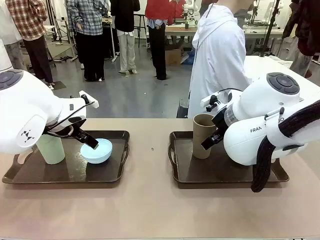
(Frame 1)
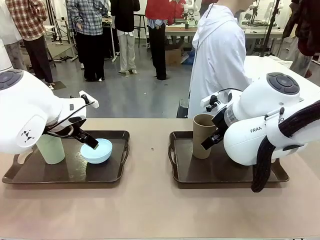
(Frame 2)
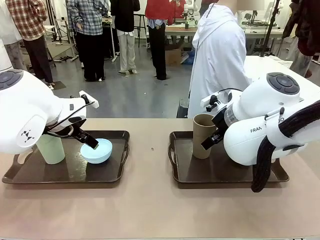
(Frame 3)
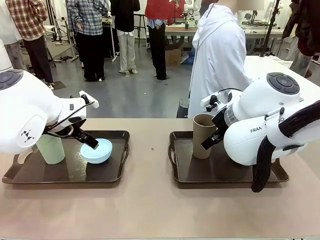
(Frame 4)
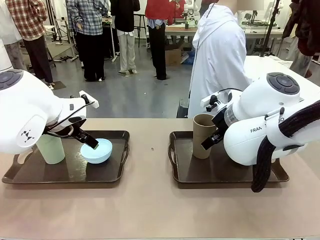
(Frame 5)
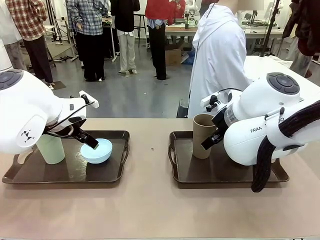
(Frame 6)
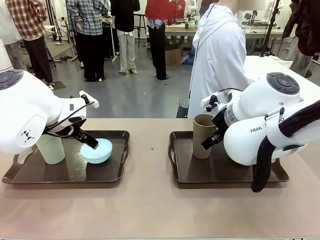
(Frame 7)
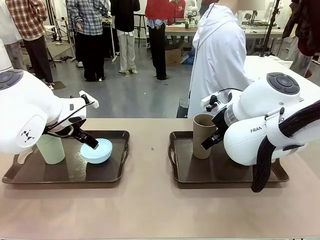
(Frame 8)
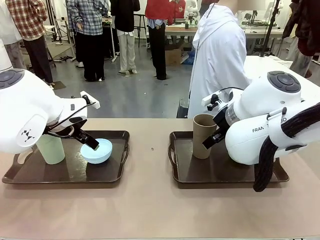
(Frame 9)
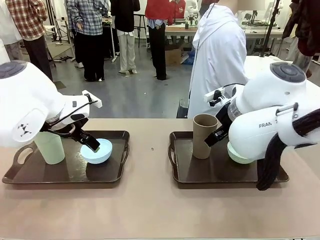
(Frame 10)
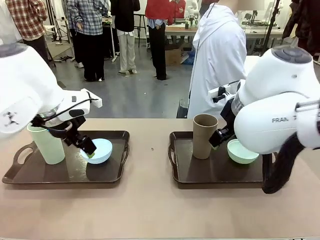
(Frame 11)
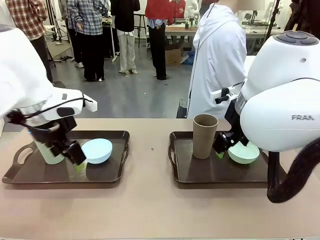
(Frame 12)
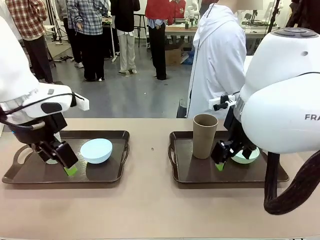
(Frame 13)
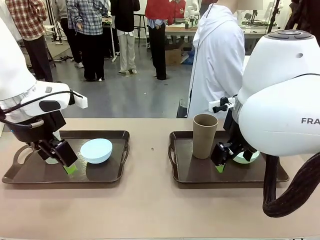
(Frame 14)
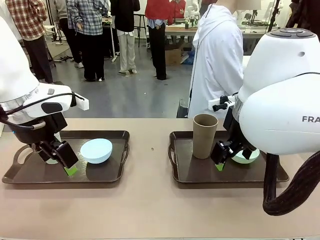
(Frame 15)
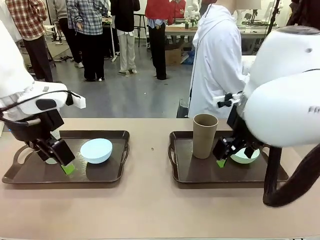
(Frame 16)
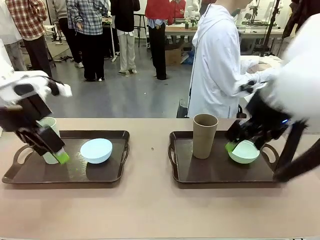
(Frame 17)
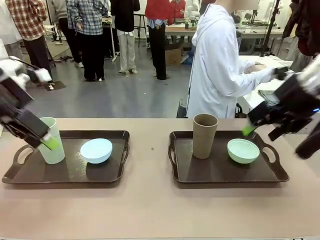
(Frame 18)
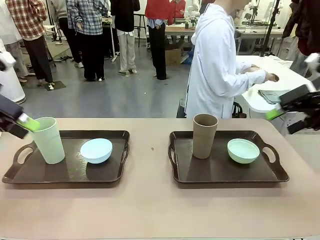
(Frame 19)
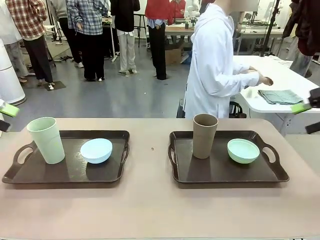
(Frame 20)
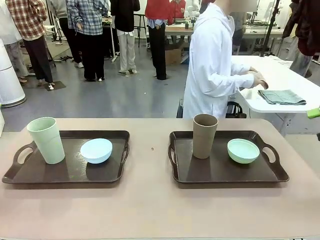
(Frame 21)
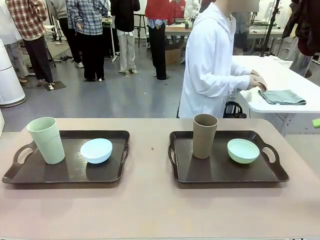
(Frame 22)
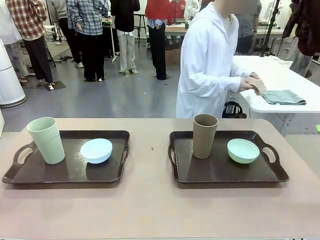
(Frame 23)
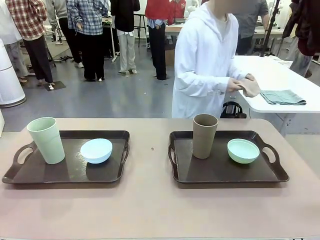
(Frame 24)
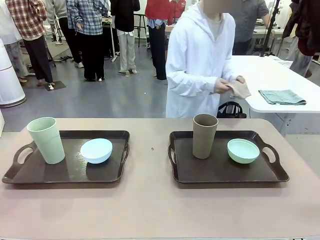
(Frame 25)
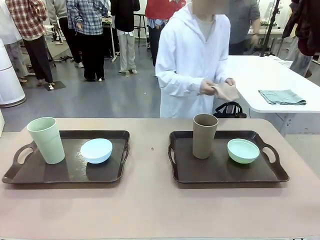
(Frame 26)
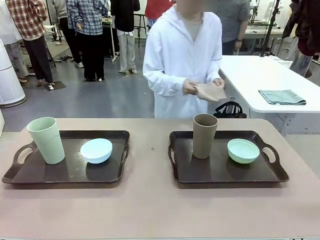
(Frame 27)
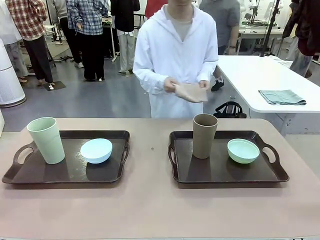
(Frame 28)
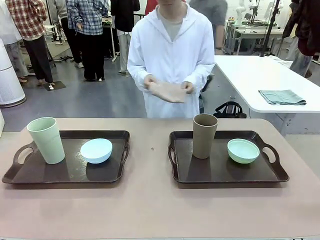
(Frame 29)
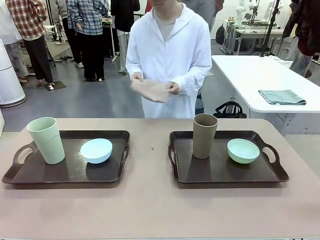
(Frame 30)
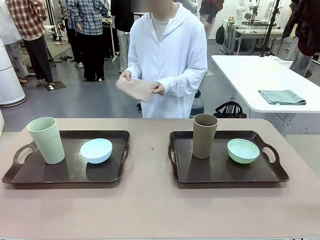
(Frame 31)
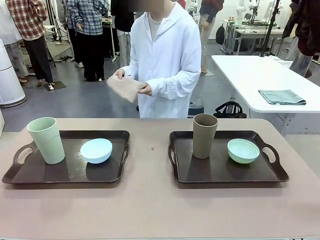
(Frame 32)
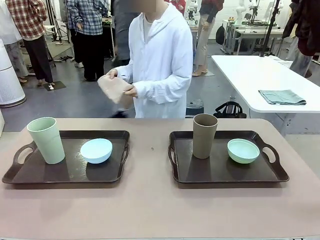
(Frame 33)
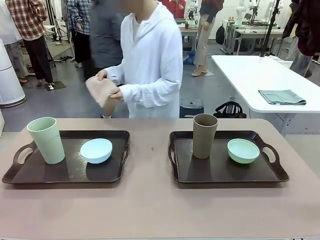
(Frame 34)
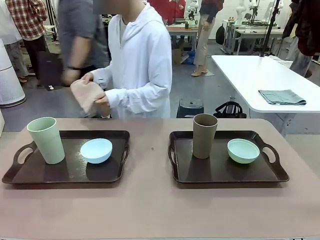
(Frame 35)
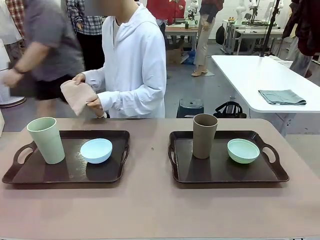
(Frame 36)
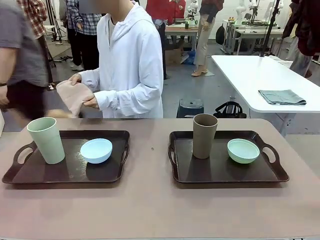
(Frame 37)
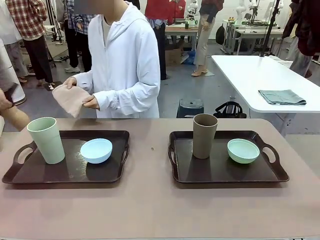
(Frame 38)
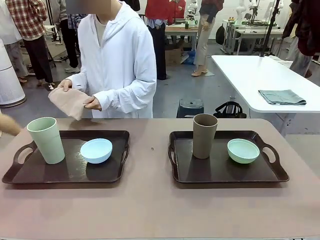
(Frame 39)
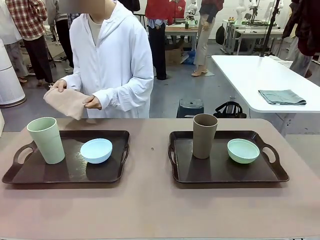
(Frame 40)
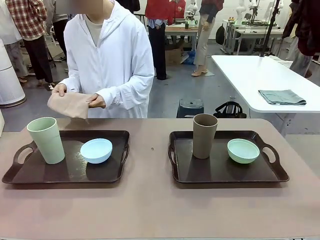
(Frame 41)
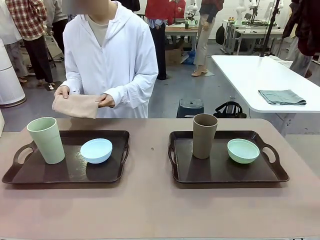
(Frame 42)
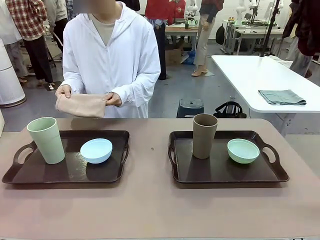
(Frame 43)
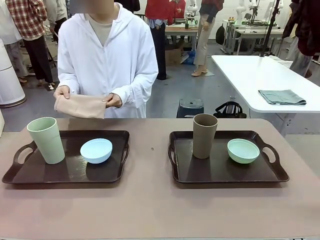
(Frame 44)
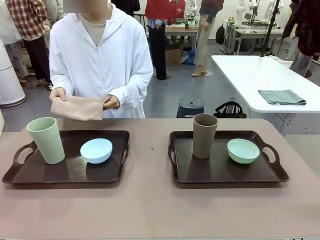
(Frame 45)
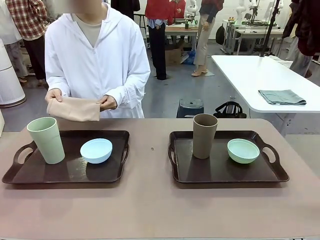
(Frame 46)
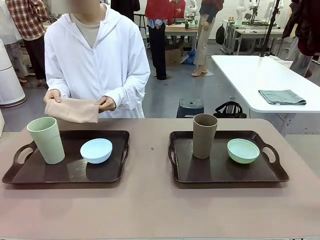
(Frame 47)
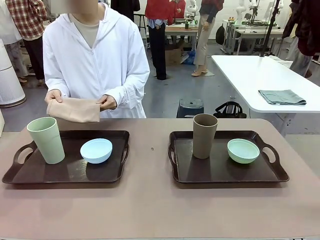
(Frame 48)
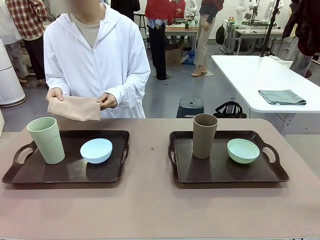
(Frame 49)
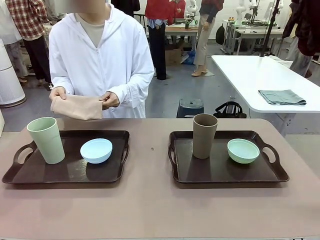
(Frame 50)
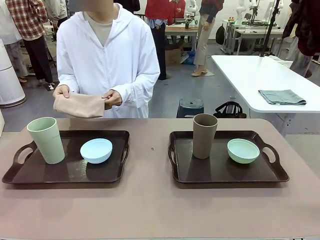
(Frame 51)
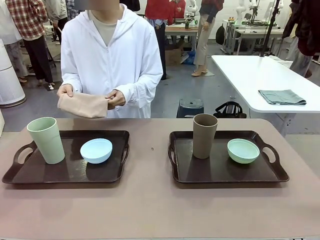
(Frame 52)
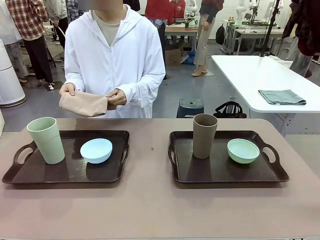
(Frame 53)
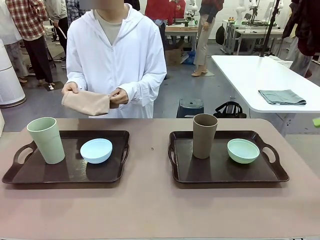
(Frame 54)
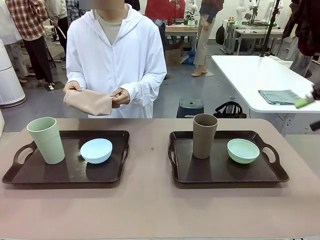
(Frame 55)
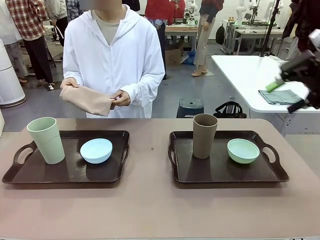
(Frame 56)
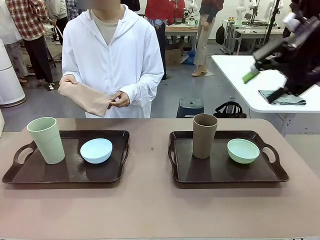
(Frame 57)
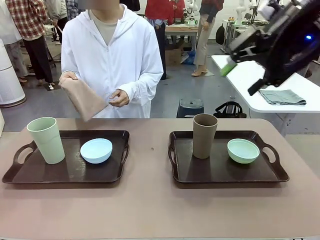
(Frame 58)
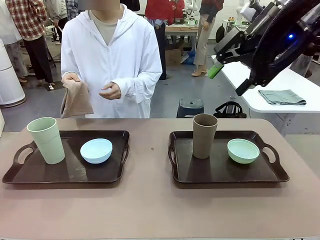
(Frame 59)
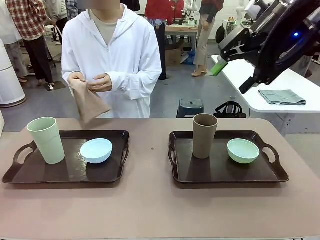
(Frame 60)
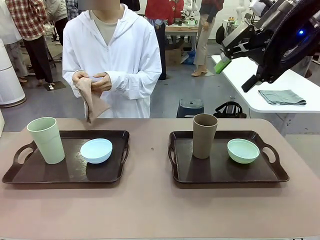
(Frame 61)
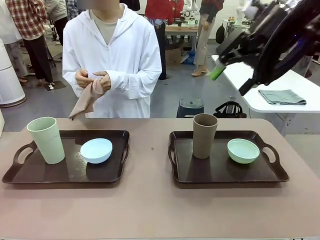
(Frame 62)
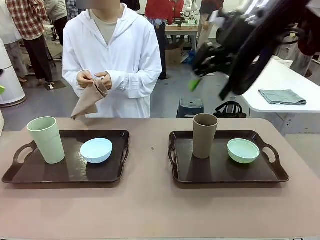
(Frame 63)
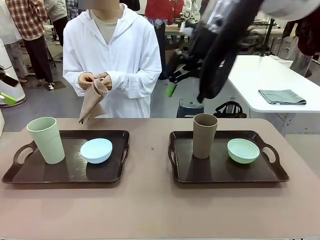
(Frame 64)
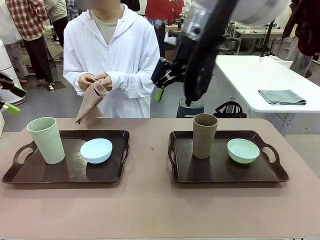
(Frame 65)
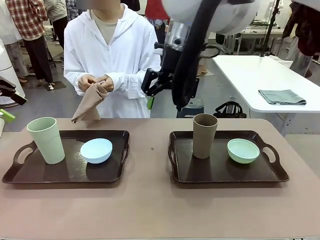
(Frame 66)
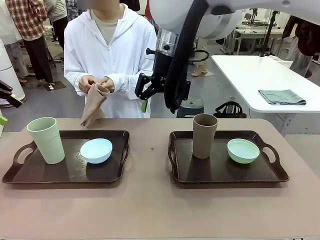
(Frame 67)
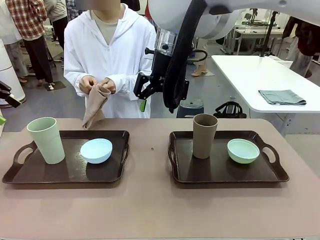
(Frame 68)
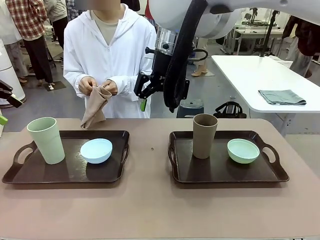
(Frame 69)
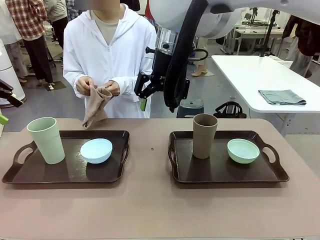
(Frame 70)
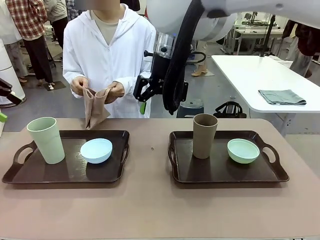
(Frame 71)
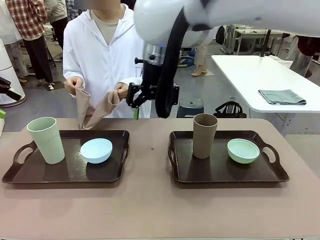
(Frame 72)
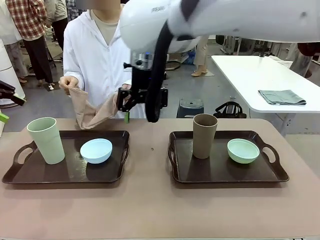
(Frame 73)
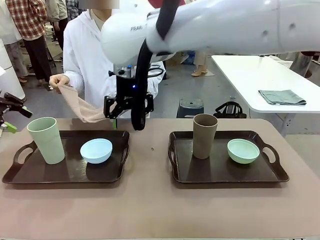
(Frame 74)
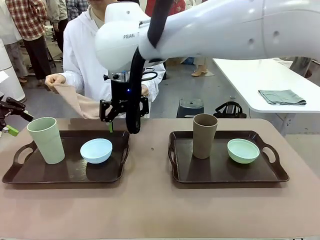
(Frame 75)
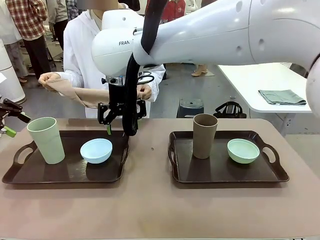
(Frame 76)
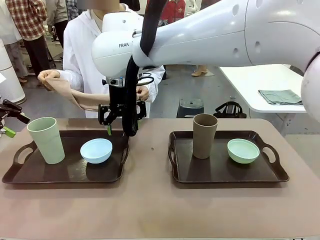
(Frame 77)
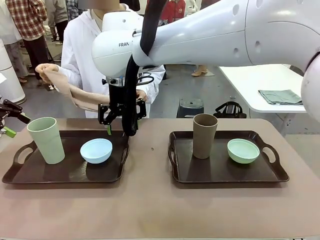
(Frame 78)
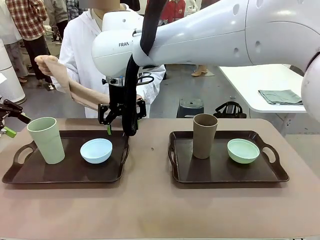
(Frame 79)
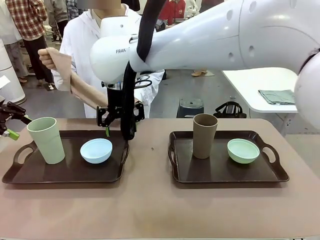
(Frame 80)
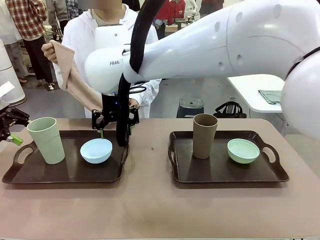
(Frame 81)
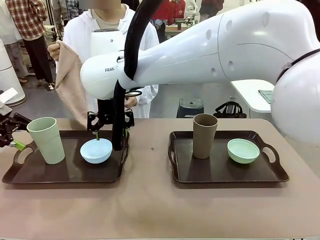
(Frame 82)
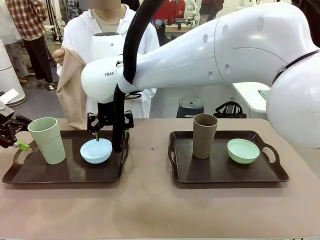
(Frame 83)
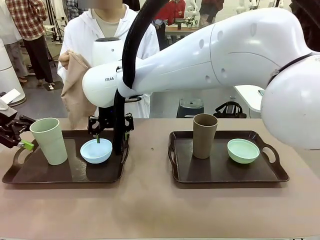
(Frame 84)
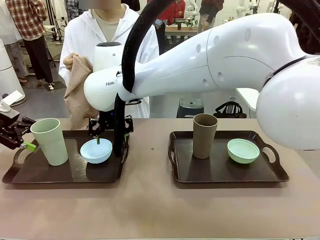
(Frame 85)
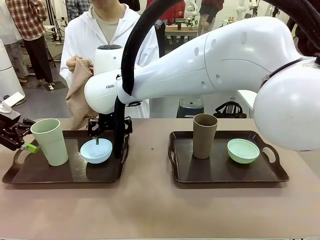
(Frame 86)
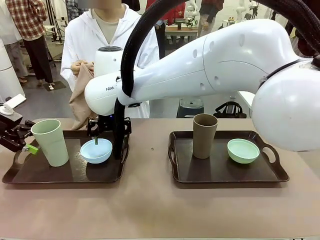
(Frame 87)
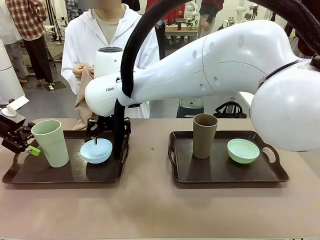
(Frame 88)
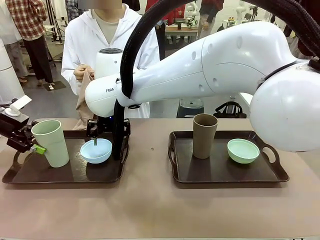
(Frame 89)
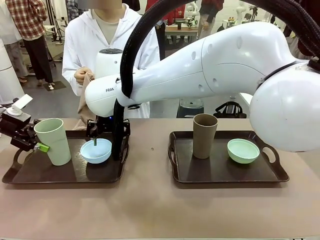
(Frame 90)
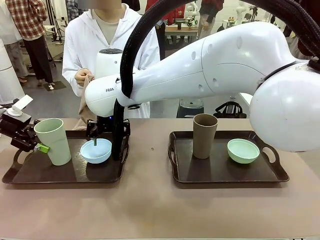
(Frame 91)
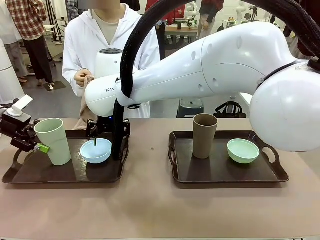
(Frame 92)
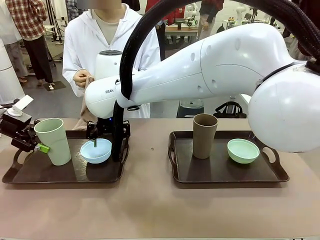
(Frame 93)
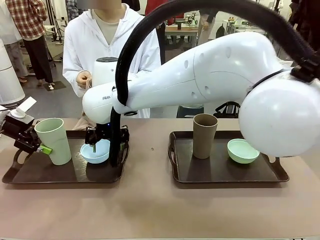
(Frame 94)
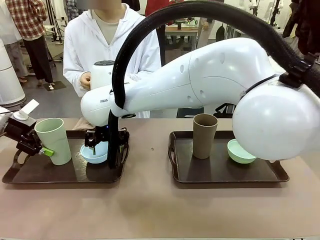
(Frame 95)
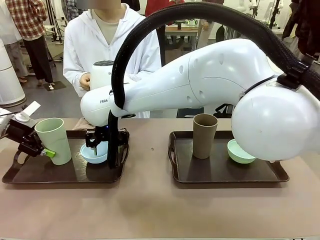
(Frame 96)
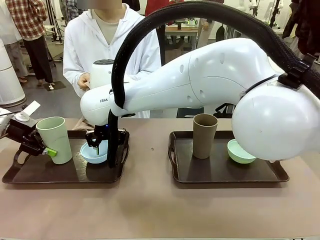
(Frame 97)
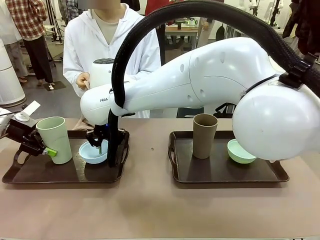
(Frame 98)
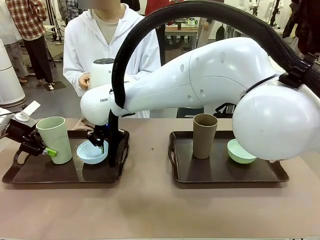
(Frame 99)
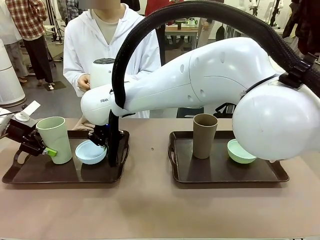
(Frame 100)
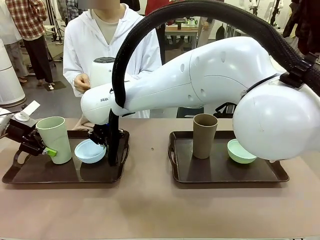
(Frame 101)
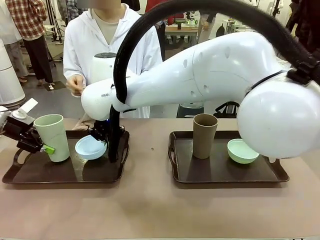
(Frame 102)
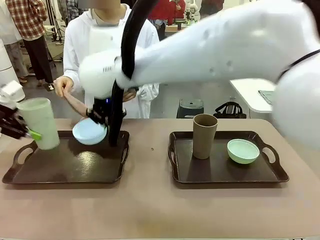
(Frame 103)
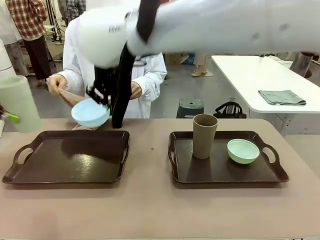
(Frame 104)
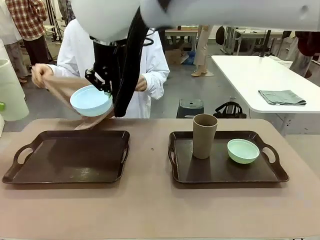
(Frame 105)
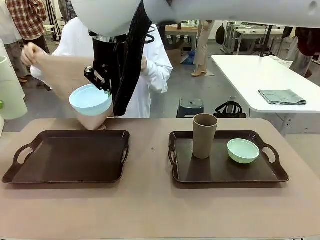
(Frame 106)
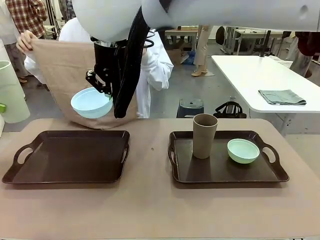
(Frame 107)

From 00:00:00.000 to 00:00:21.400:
Robot: Pick up the Picnic Bowl and Reusable plastic cup from the Handle tray in front of the human's position and hold them in the air.
Person: The human picks up the top napkin from the stack on the human table and walks to the robot table to stand in front of one of the two trays. When the robot lifts the bowl and the cup, the human unfolds the napkin and lays the napkin flat on the tray.
